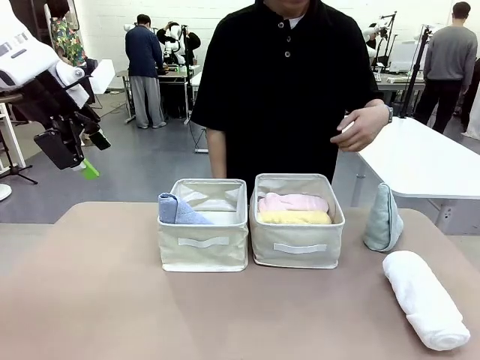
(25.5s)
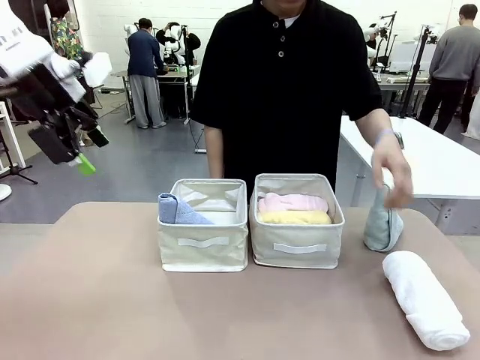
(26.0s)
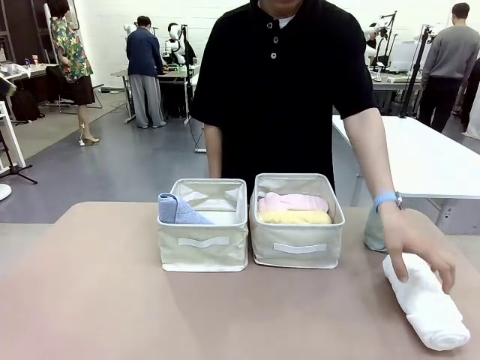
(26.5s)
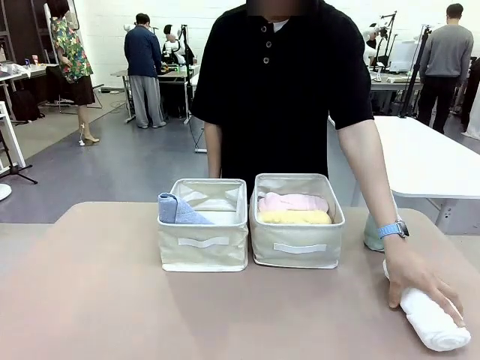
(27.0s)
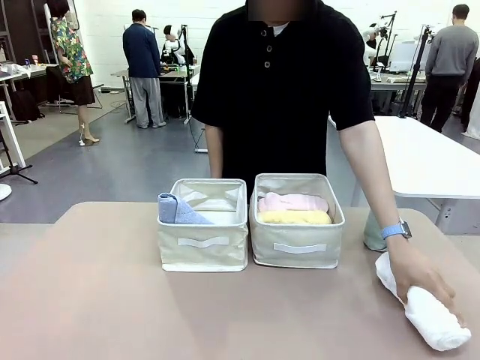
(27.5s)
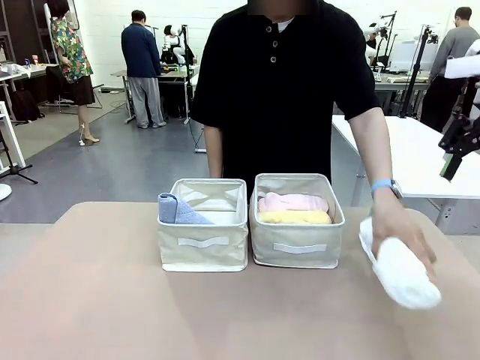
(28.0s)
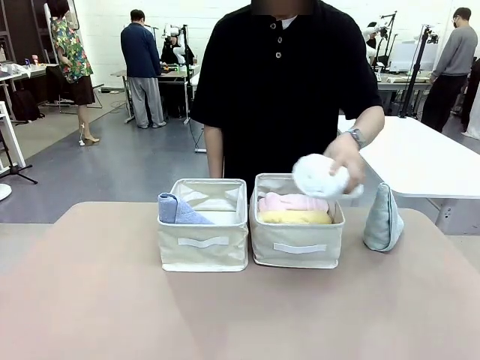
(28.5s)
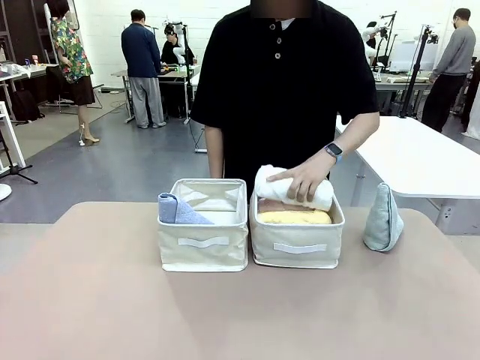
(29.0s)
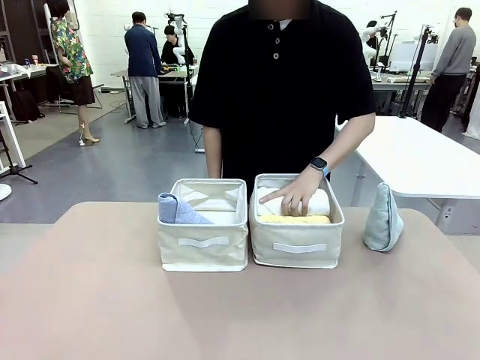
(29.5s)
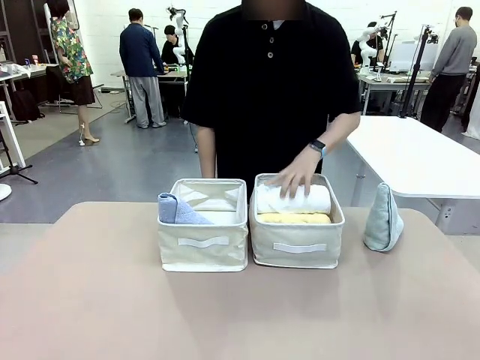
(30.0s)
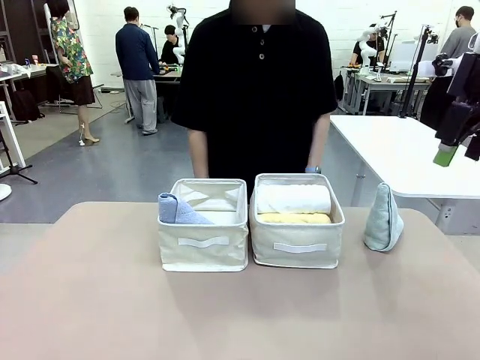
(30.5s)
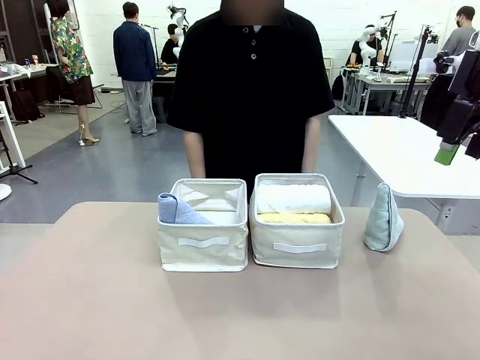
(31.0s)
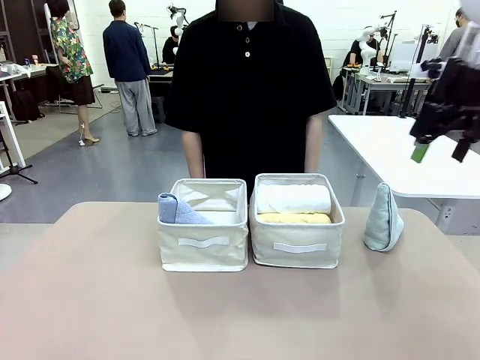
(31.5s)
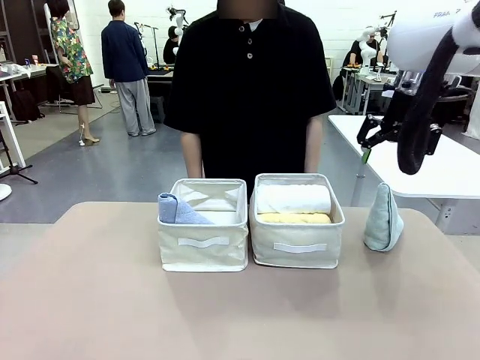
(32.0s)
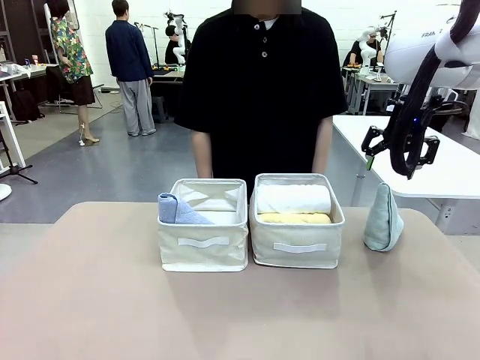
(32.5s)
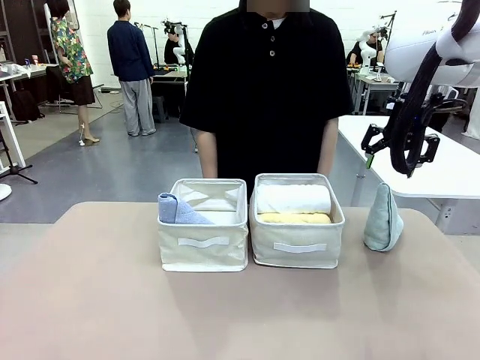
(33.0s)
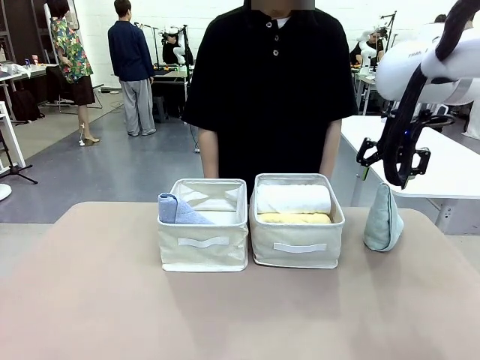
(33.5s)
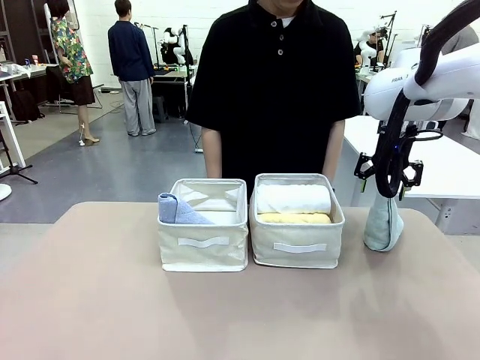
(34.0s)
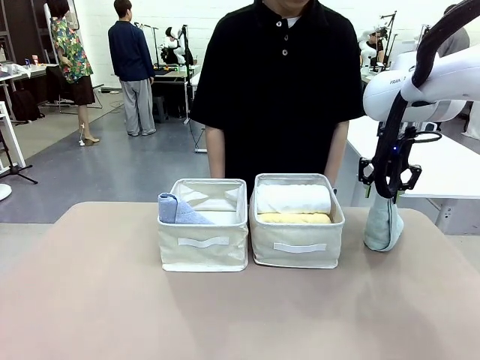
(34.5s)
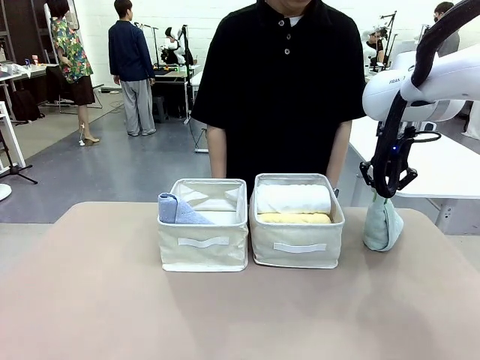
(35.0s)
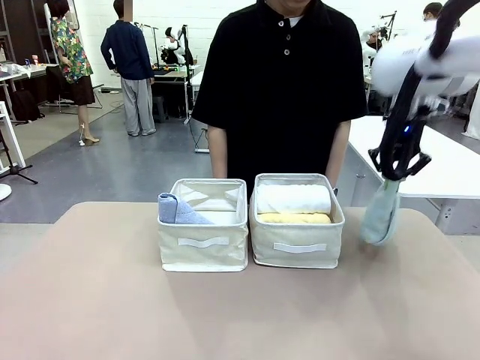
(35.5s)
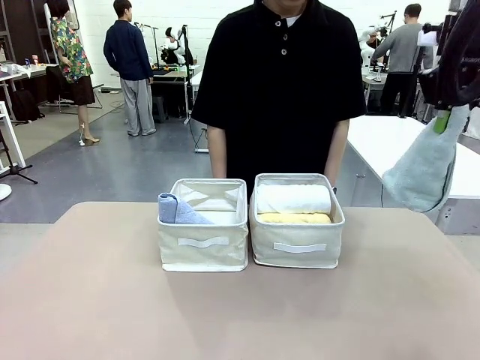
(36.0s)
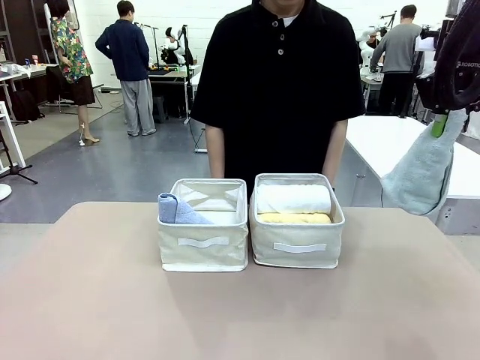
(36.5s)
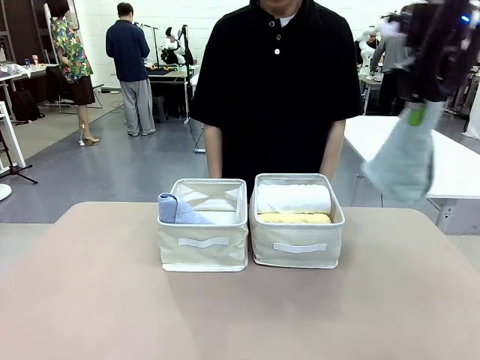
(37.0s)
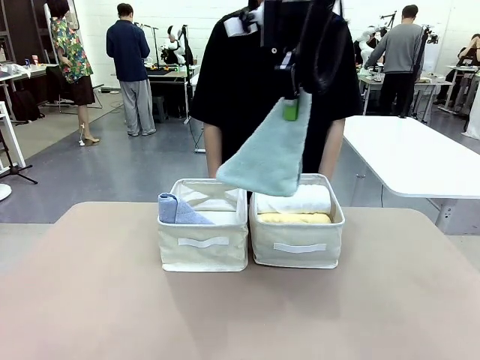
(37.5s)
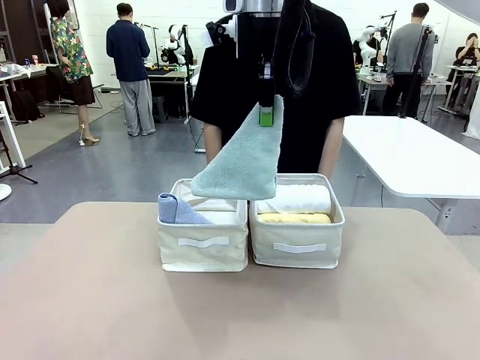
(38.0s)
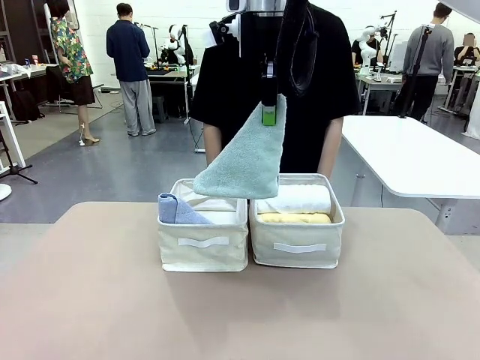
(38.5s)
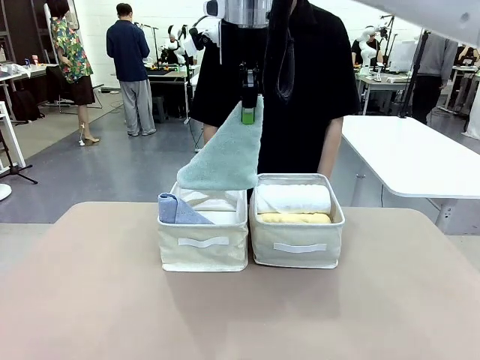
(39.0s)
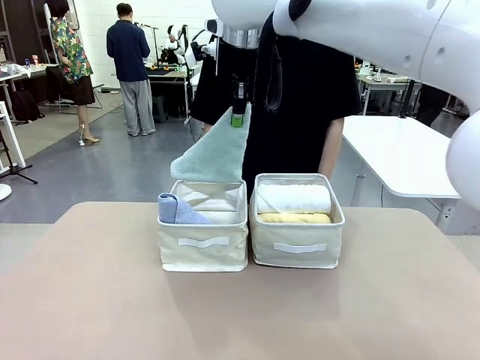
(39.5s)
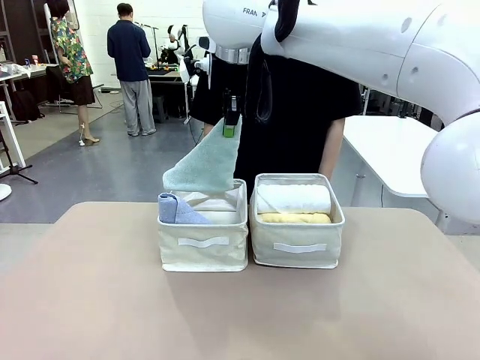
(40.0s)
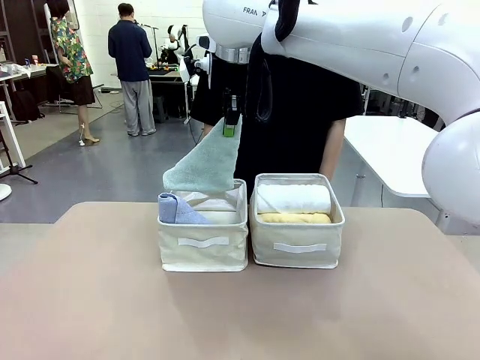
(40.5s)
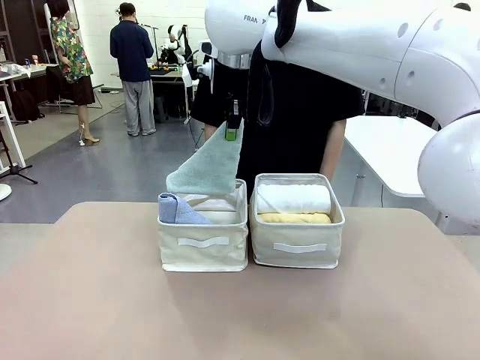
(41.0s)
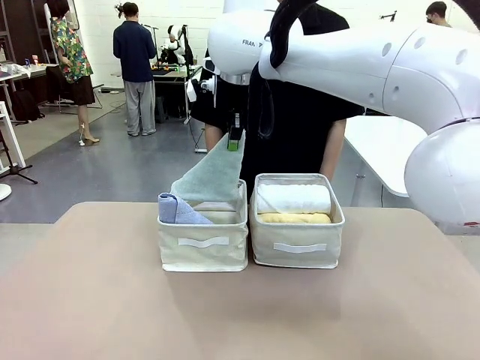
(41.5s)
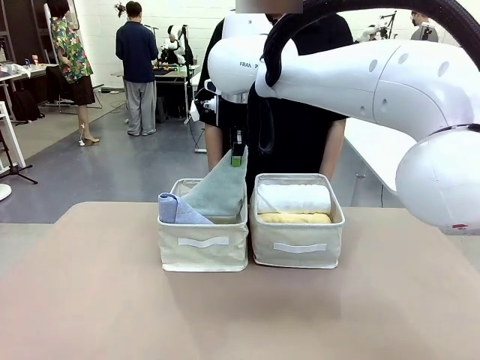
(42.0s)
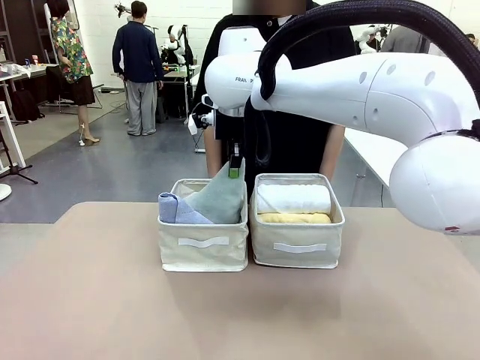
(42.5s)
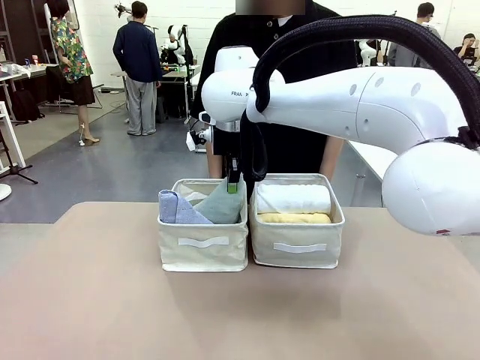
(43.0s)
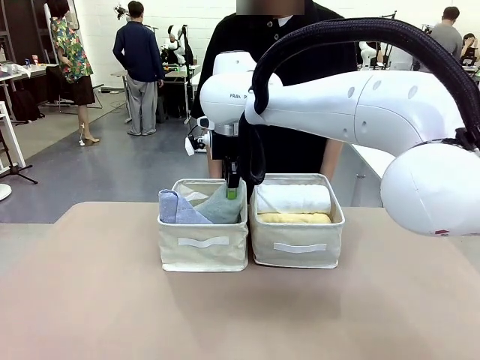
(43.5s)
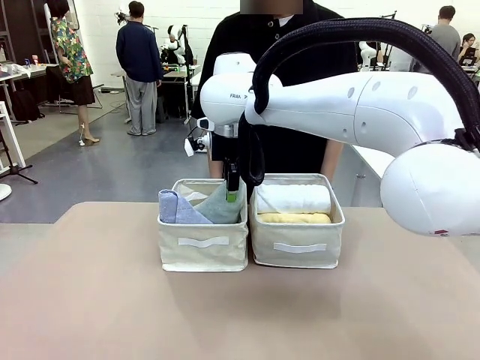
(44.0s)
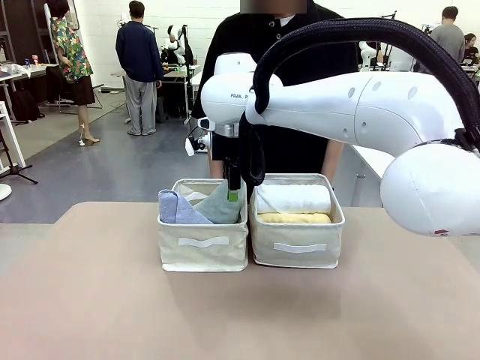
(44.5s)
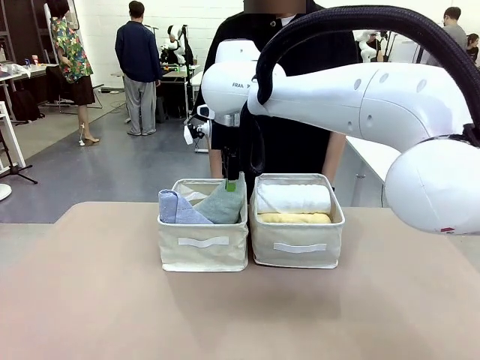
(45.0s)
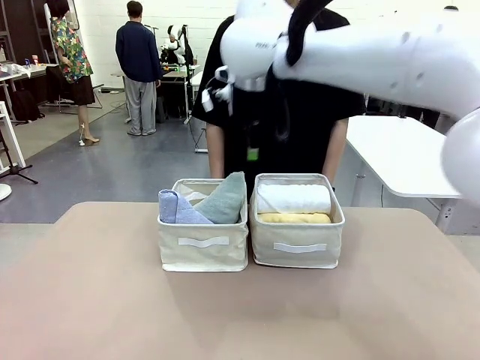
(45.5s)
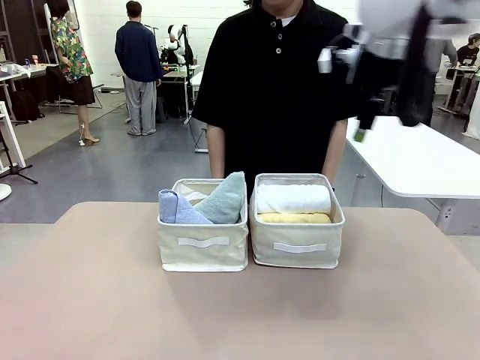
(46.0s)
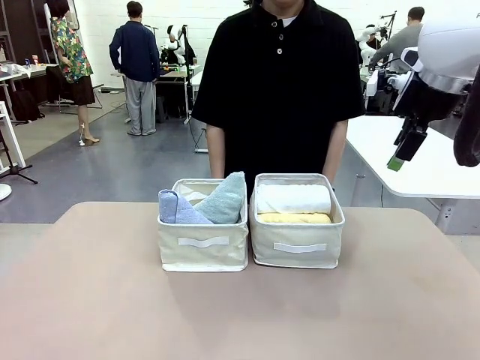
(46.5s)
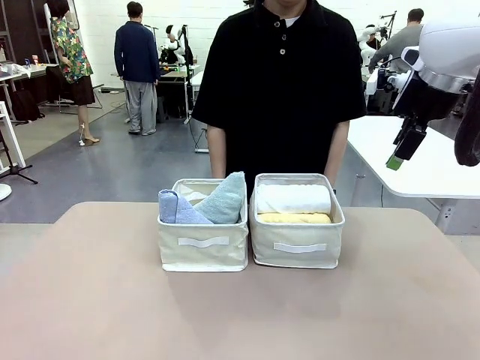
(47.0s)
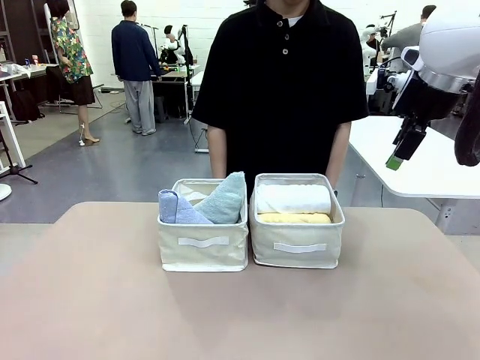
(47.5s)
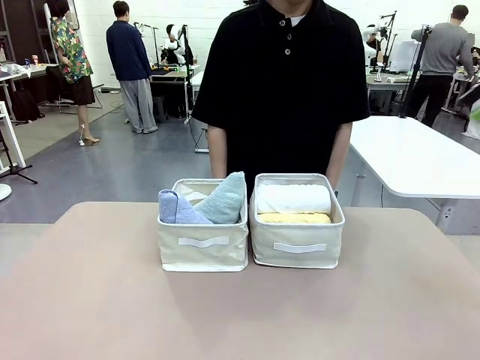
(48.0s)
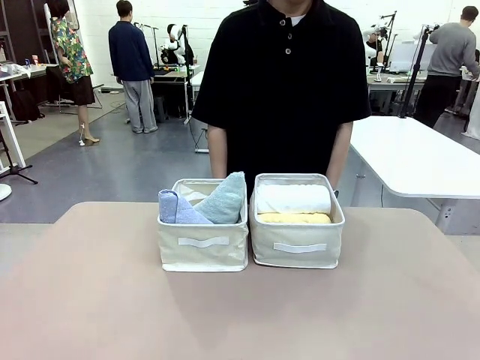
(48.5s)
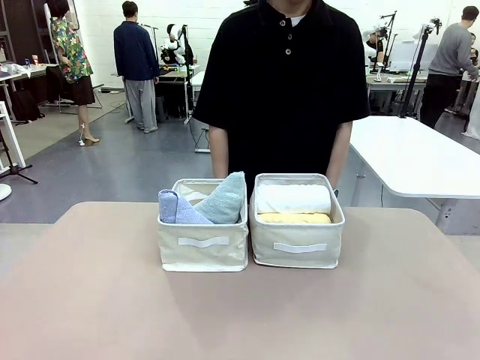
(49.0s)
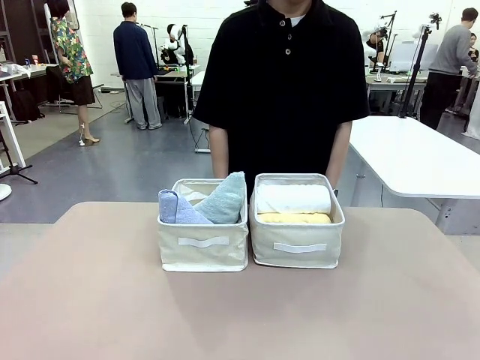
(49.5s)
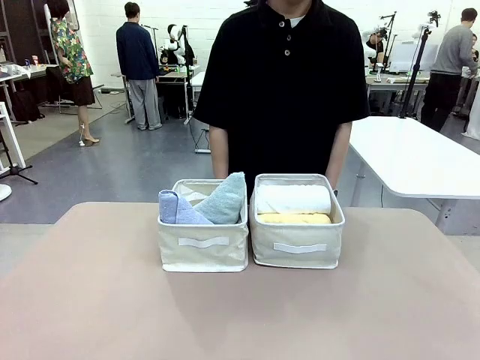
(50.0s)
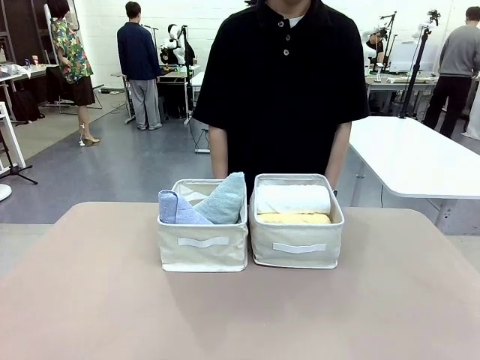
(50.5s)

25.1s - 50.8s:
Task: Sort the towels based on their folding style.
Robot: Pick up another triangle-folded towel from the table and place it in the left Fabric basket.
Person: Pick up one hotel-style rolled towel from the table and place it in the left fabric basket.
